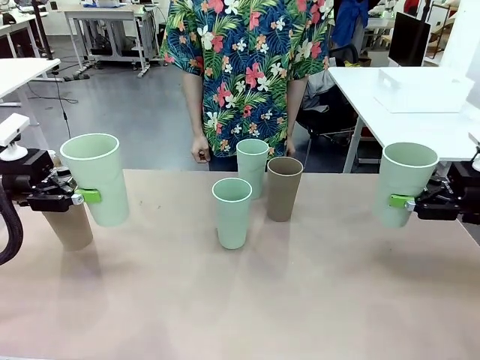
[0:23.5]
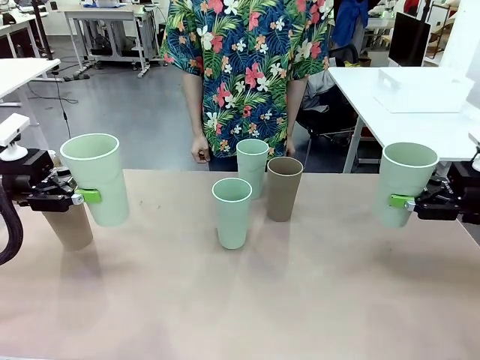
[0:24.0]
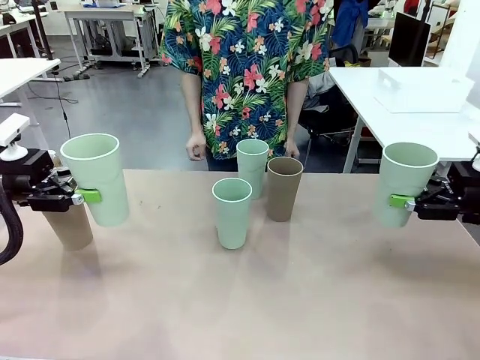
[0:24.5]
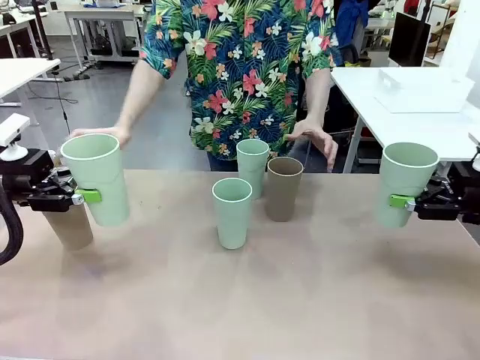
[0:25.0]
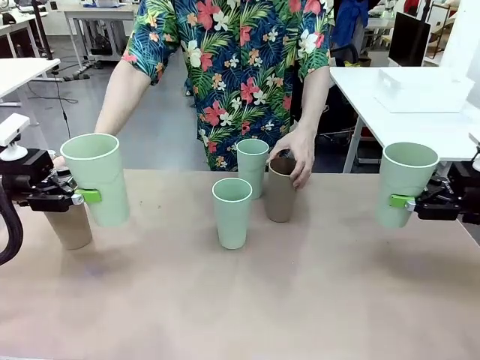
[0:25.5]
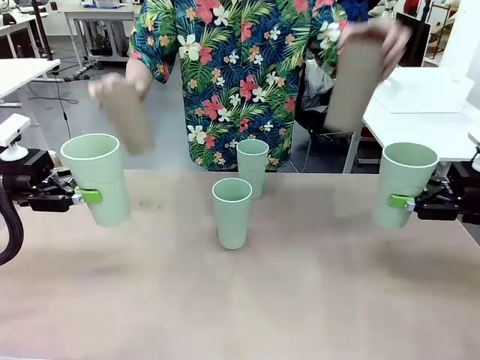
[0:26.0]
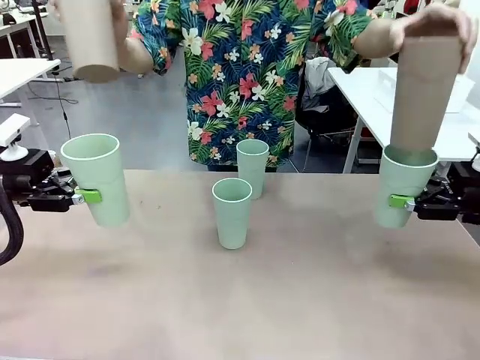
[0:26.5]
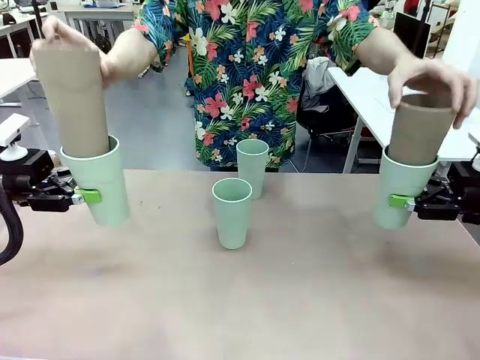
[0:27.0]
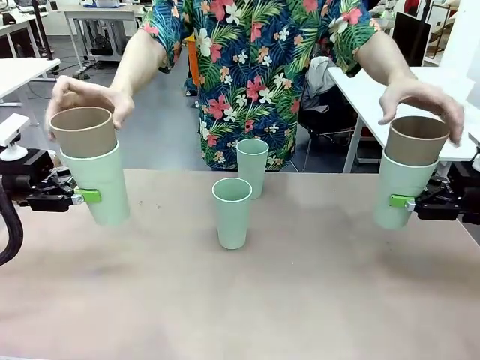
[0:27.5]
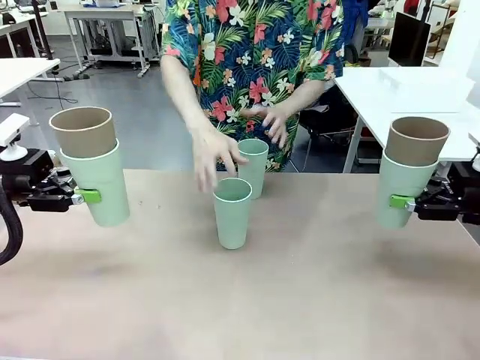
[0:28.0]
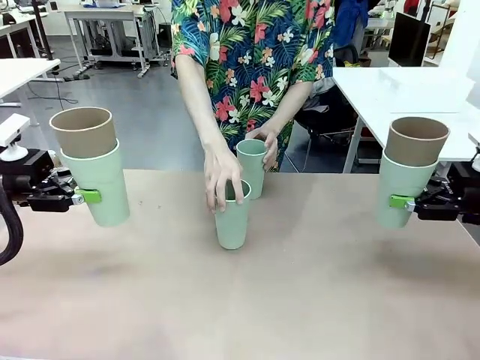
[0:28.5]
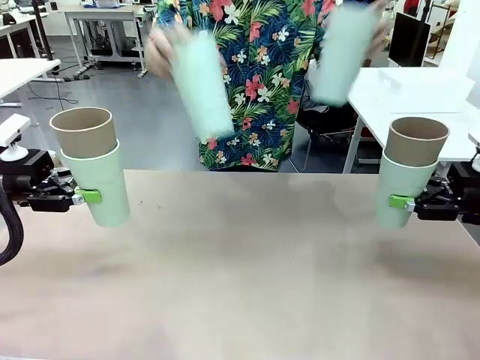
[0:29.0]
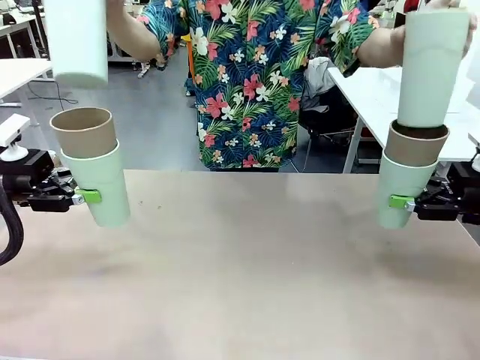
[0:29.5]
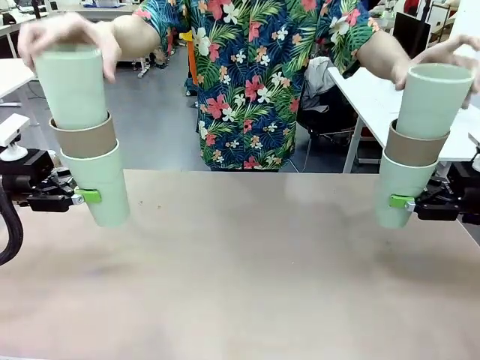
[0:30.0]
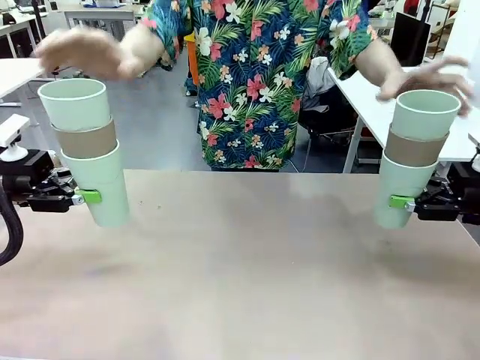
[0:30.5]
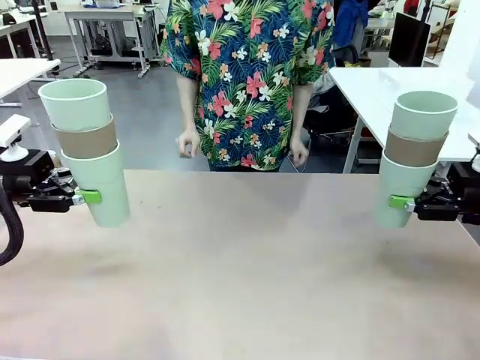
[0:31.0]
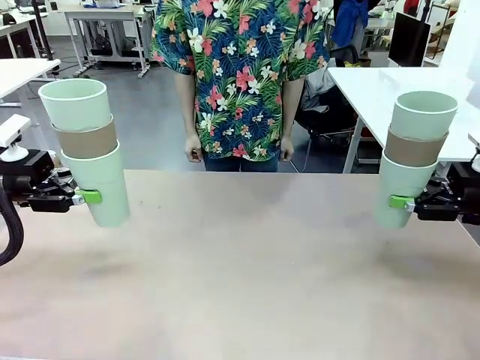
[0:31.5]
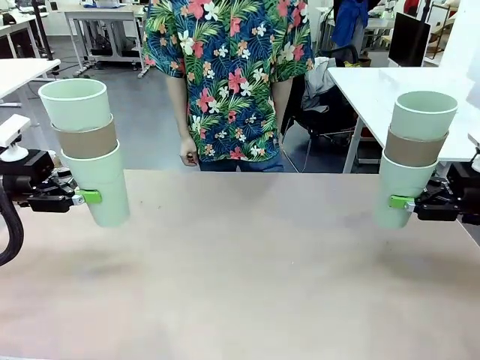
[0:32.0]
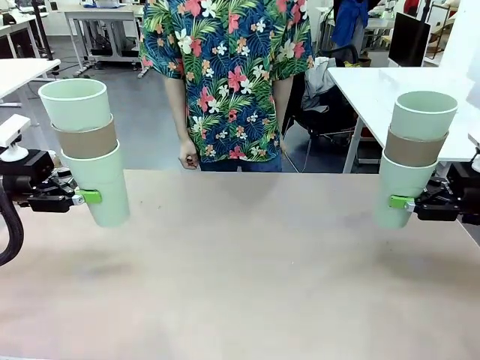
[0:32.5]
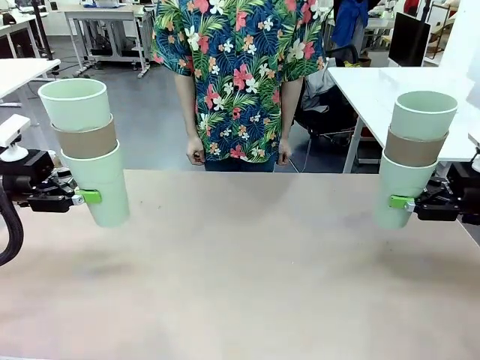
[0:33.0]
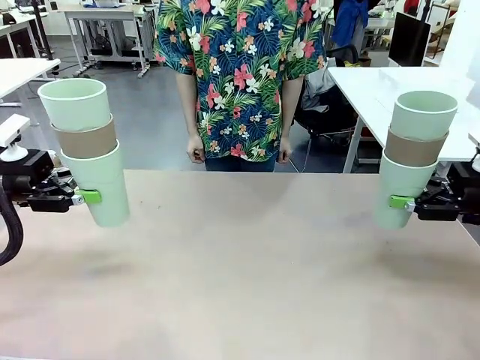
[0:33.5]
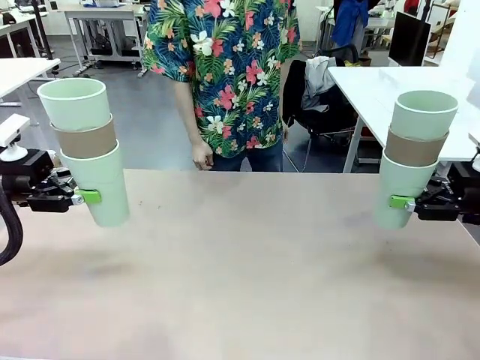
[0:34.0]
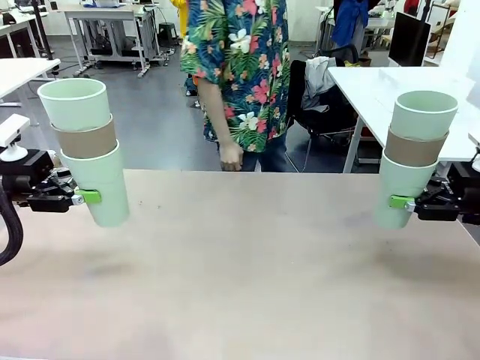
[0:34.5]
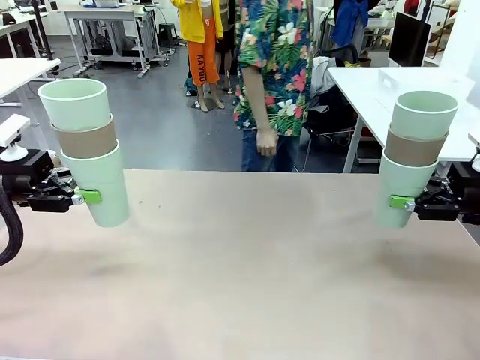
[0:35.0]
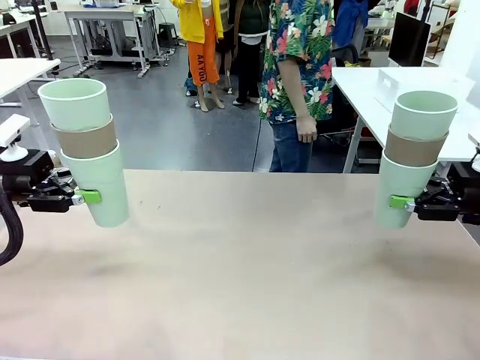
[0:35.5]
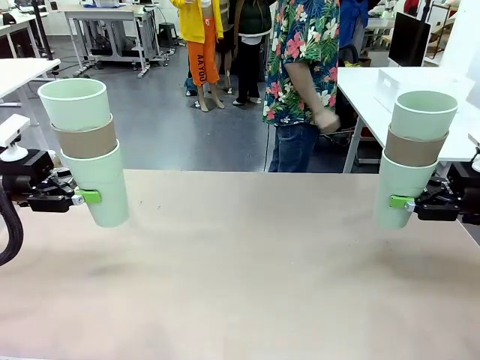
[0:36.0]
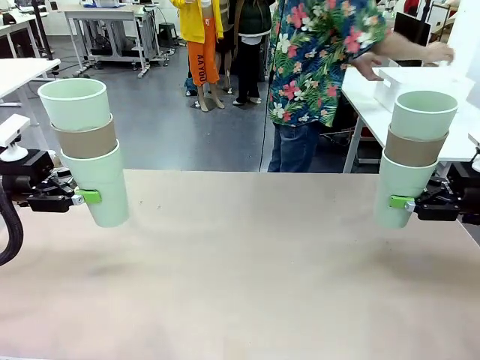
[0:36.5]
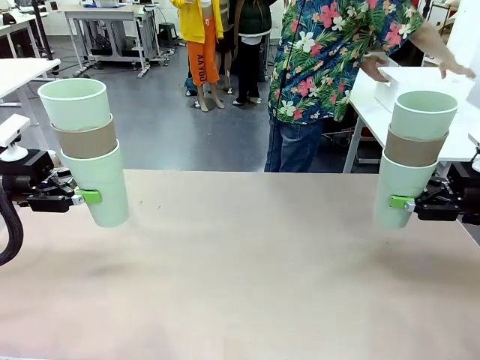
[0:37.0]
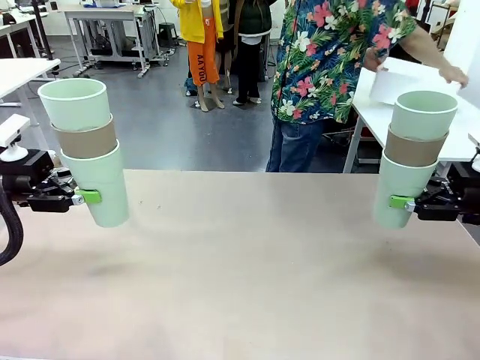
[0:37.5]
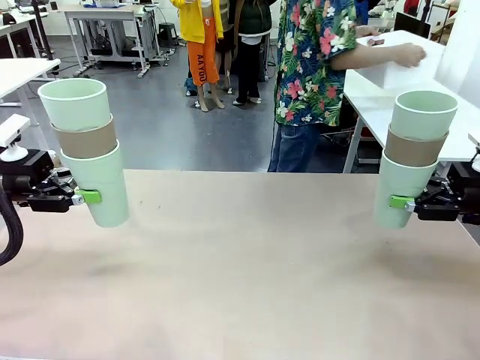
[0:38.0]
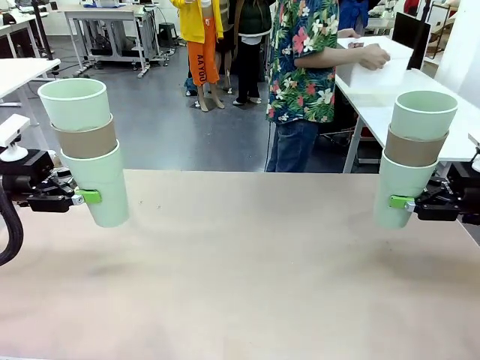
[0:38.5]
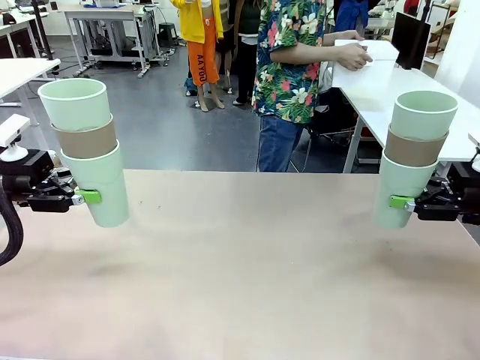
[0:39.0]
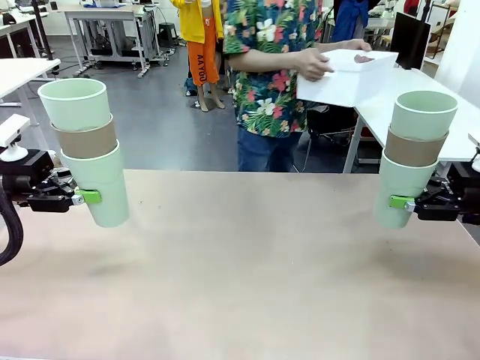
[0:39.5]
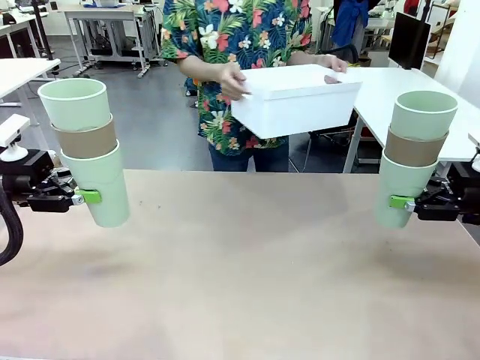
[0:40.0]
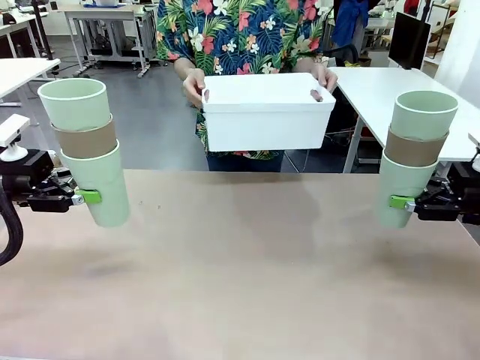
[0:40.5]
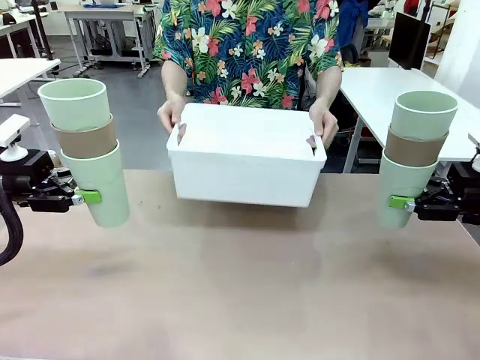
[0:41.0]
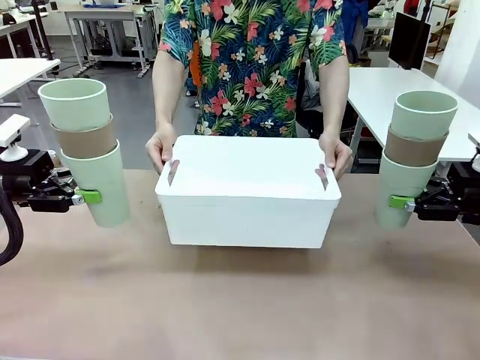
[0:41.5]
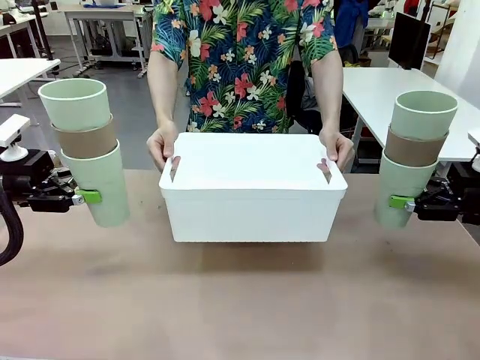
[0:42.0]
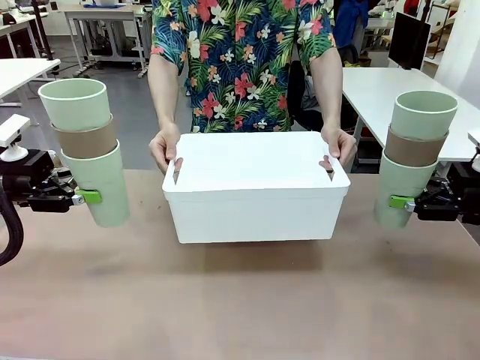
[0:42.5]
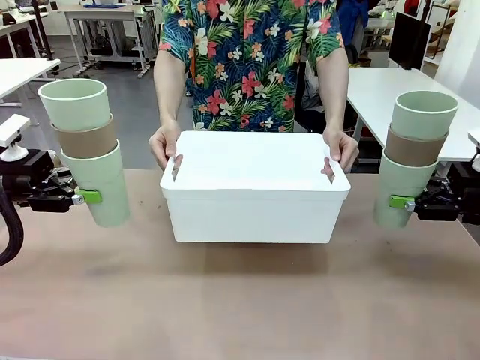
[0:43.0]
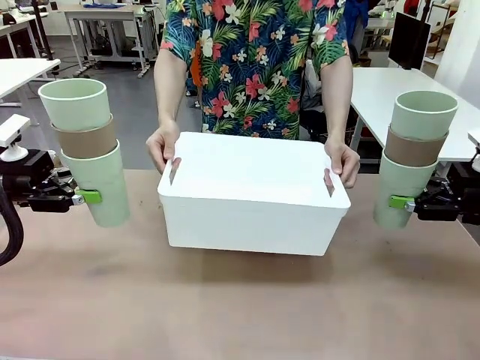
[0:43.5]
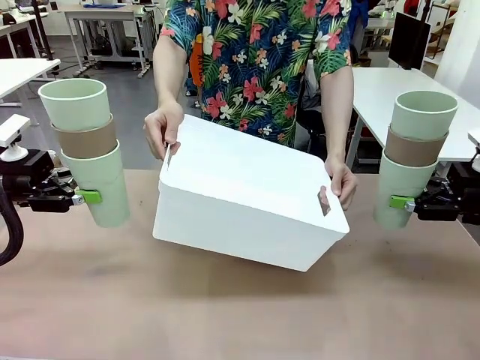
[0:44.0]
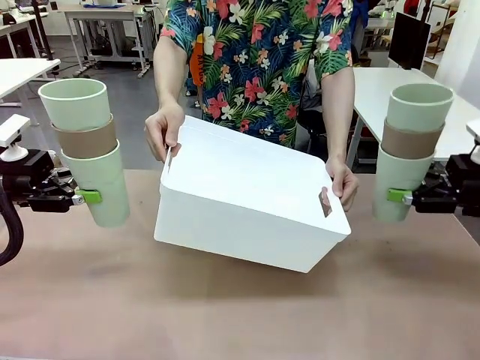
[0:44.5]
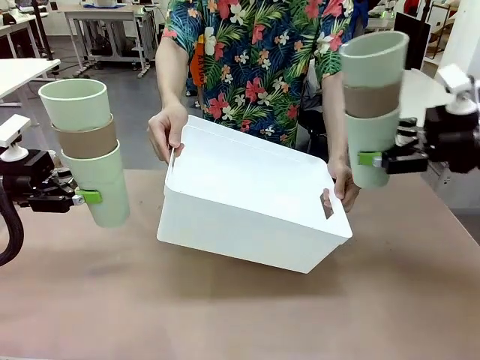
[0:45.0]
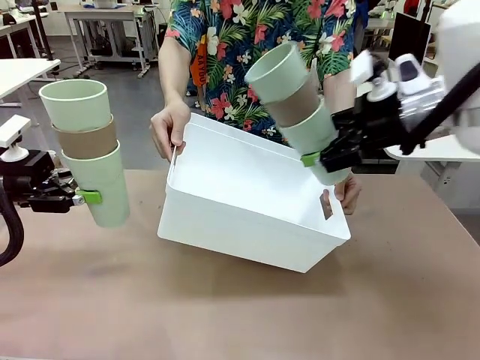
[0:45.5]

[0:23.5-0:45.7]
Task: Stack the cups and store them in the basket.
Robot: Place the stack of Reusable plastic cups into the Pantry Basket.
Person: Pick up the basket from the Human Table, bring it to the front of the robot, and present it.

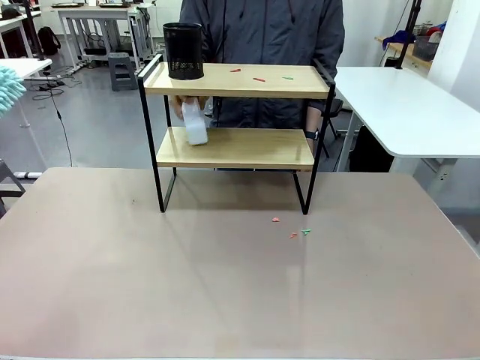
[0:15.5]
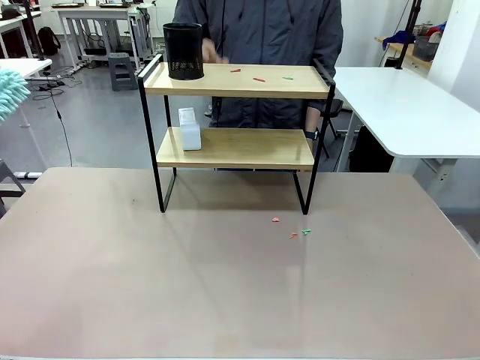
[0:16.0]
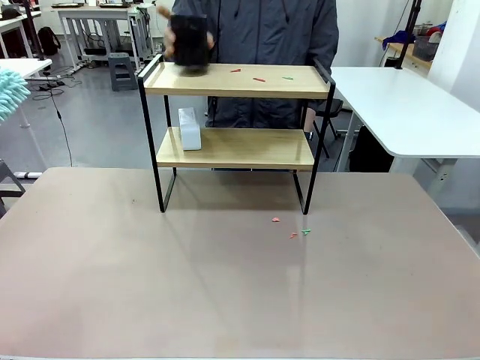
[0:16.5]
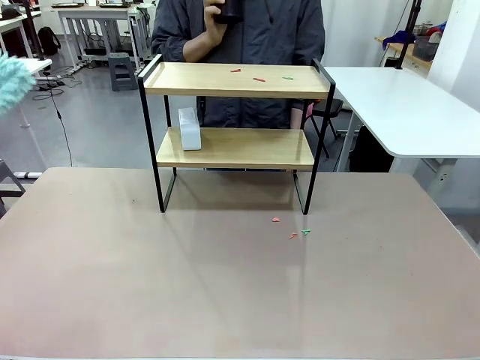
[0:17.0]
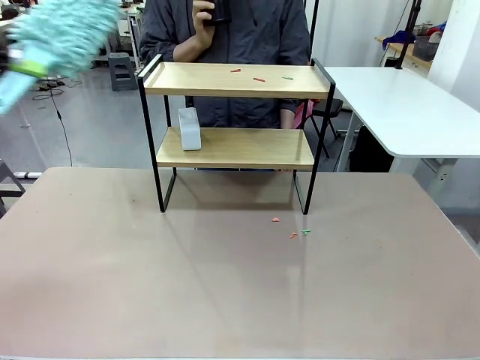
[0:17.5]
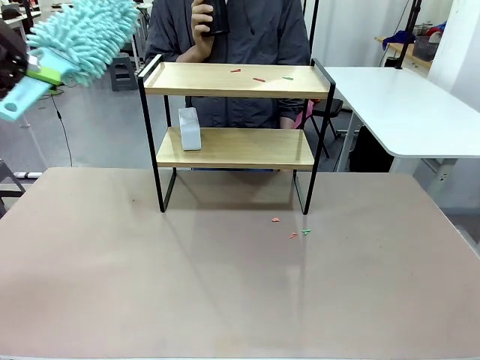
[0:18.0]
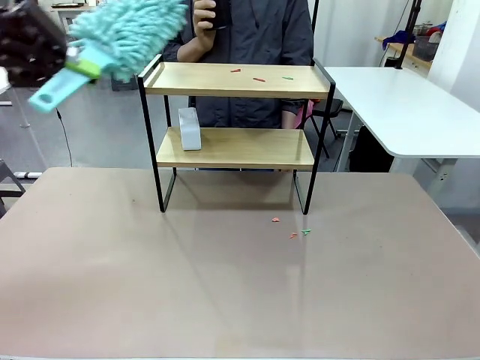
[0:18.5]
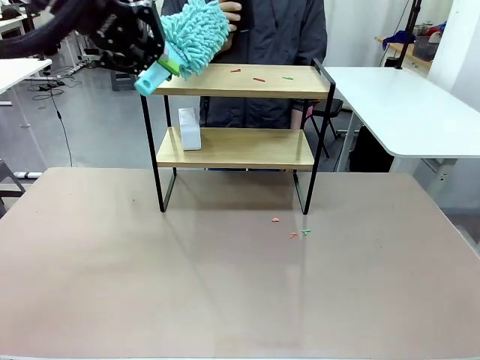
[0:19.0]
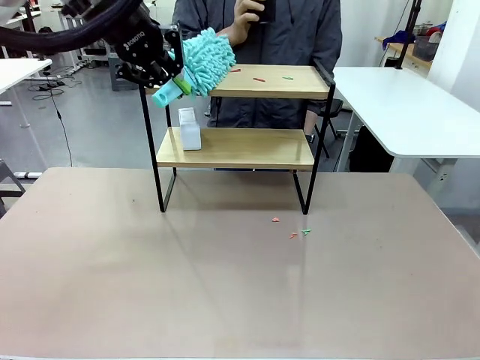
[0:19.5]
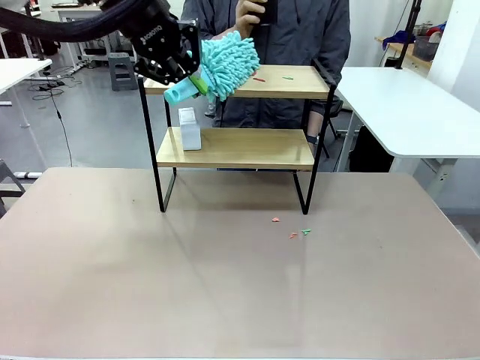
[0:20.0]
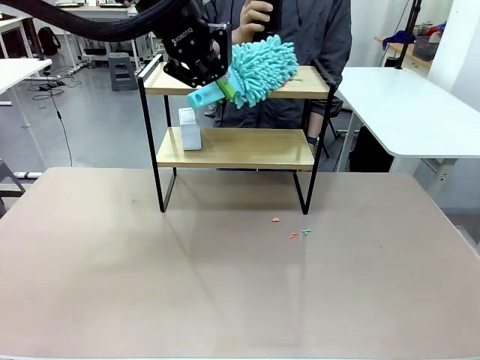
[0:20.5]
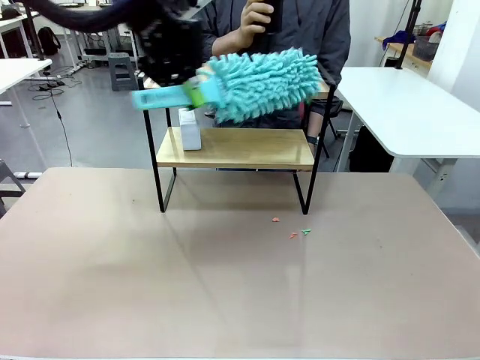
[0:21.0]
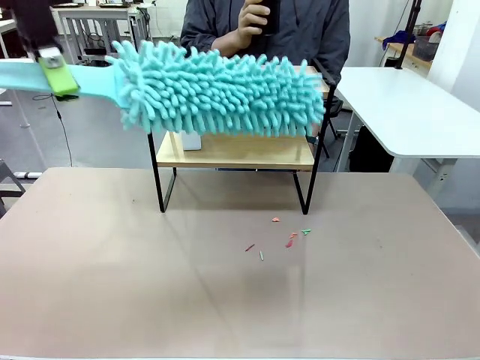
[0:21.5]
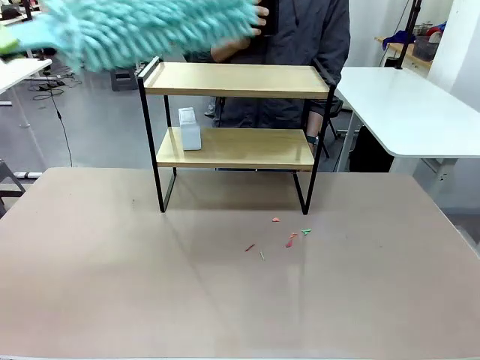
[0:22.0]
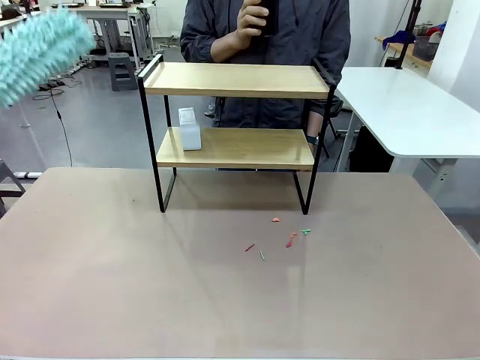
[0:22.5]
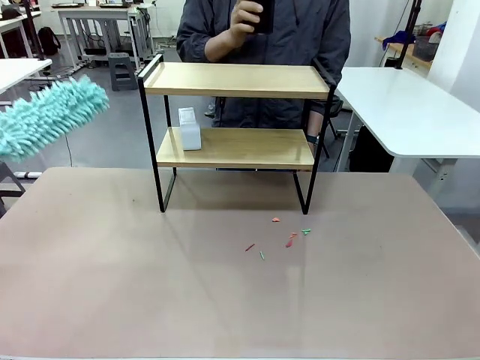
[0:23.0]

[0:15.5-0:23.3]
Task: Clean the shelf.
Robot: Clean the remaining tier of the Shelf with the Duster once objects are removed.
